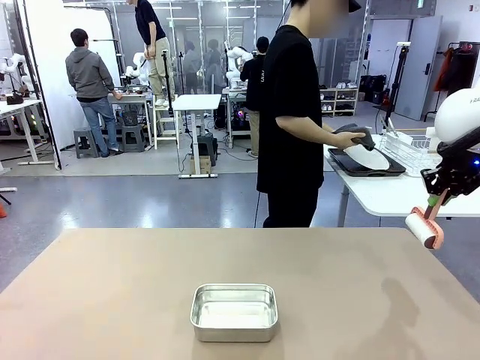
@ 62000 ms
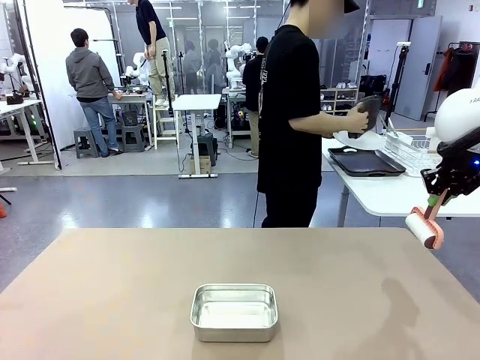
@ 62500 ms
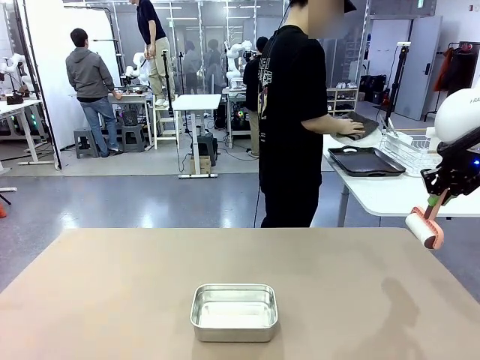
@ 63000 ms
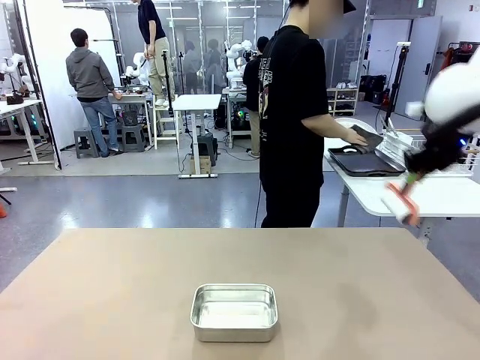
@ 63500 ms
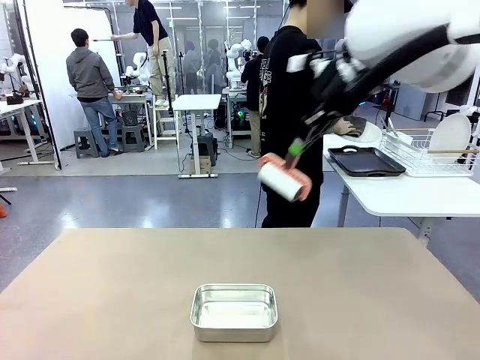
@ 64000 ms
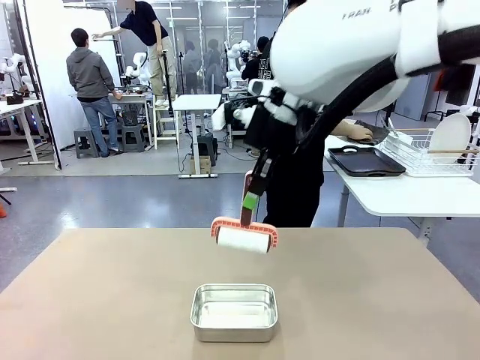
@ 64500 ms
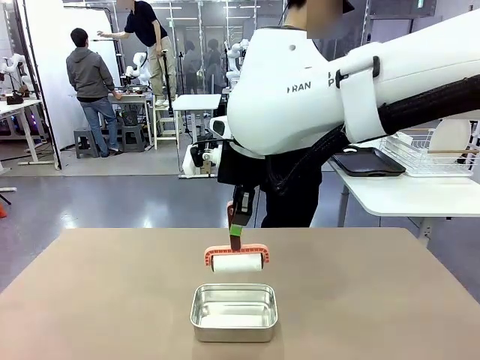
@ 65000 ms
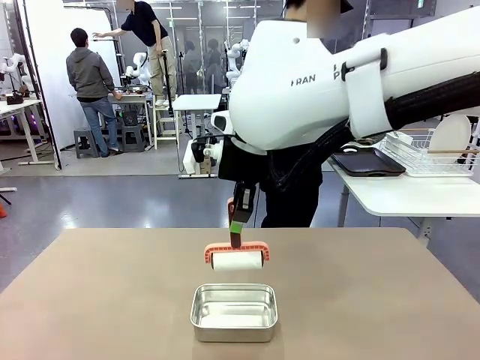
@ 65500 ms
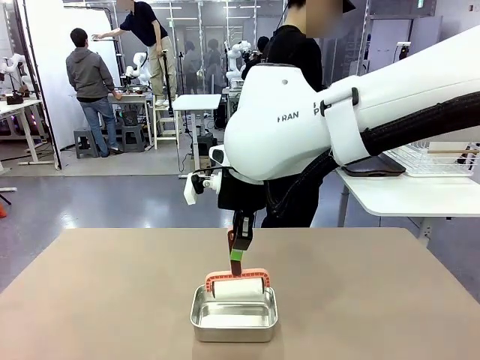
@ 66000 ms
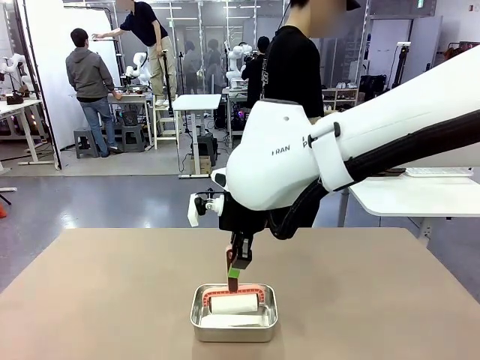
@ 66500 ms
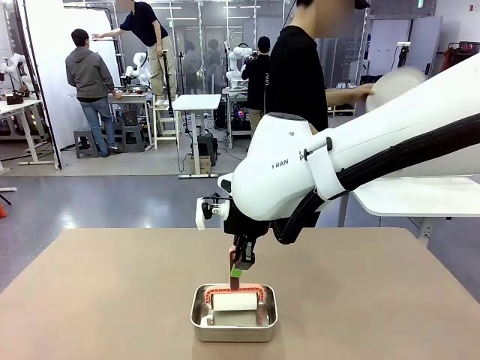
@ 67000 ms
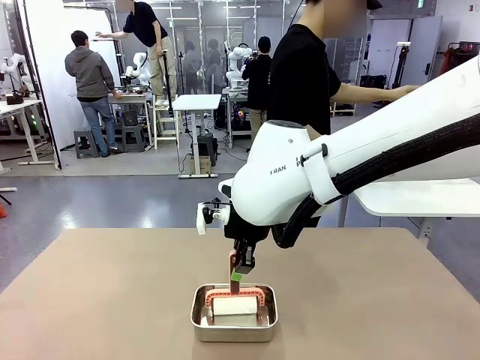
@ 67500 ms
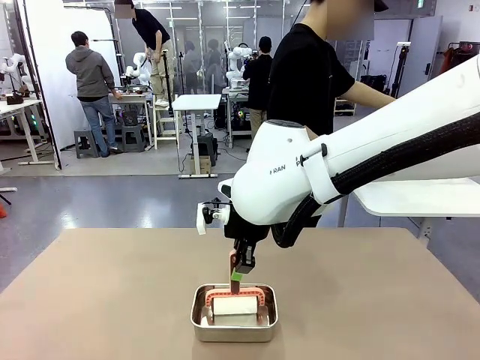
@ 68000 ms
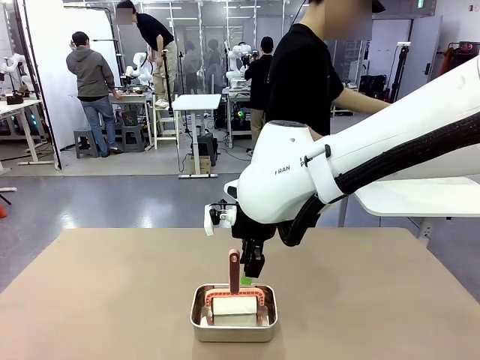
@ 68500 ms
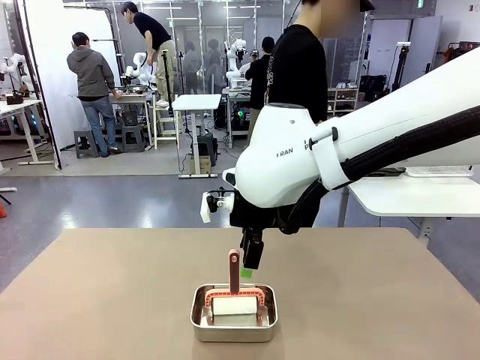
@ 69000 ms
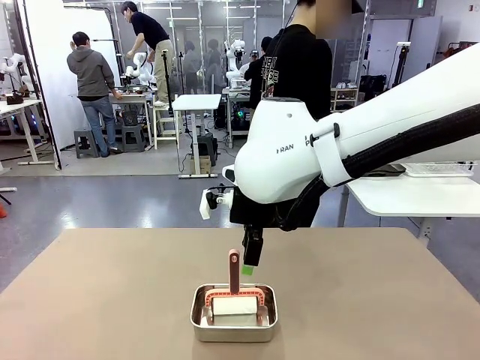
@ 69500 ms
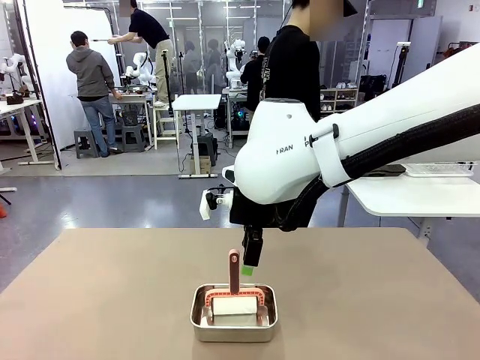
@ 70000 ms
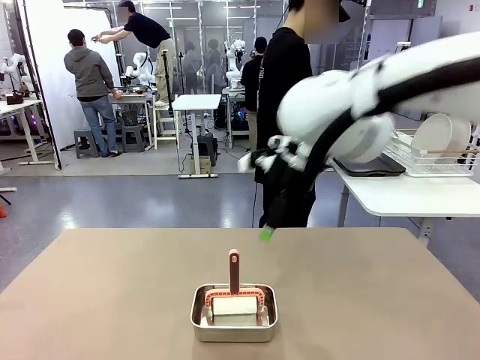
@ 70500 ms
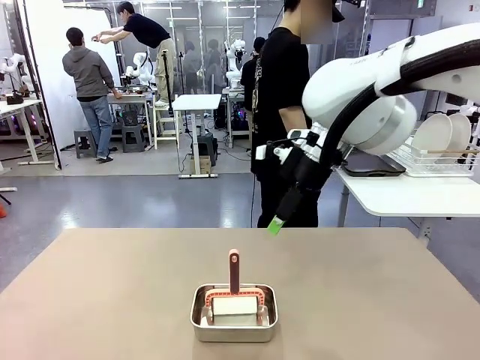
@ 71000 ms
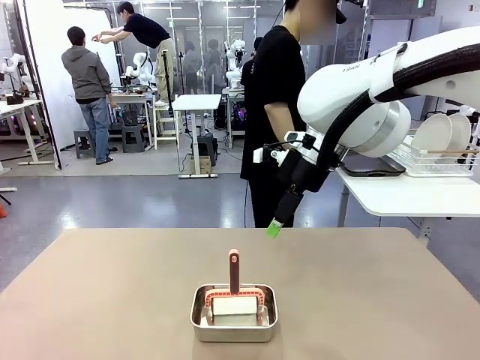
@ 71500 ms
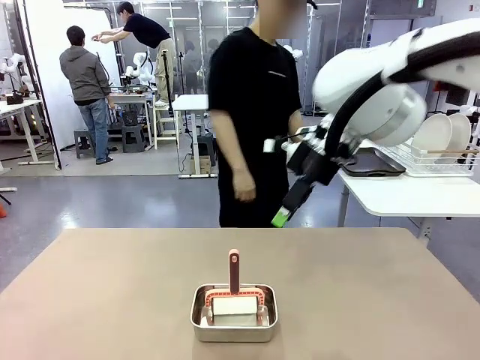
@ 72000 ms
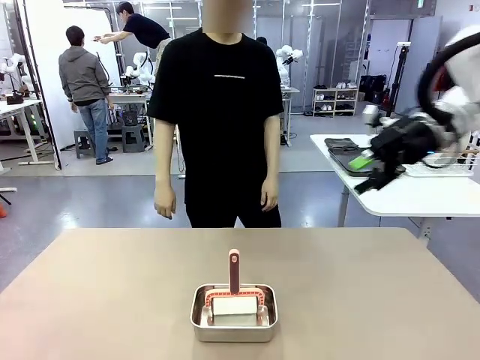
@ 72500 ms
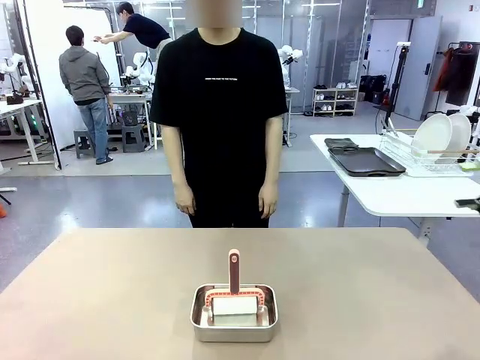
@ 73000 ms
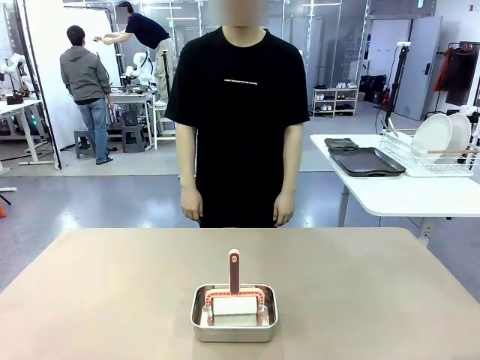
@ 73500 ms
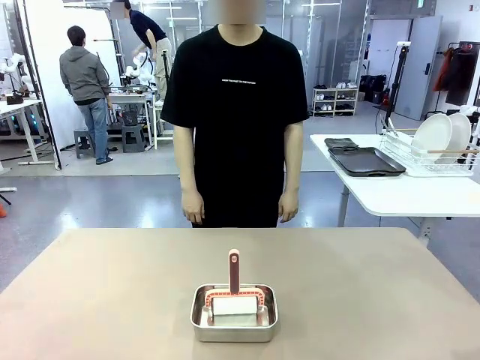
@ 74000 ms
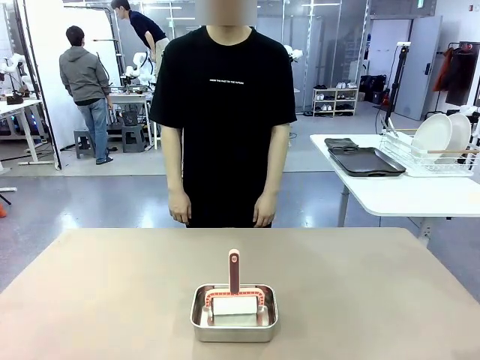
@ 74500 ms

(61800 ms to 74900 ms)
Robot: Place the Lint Roller back on top of the Airtight Container.

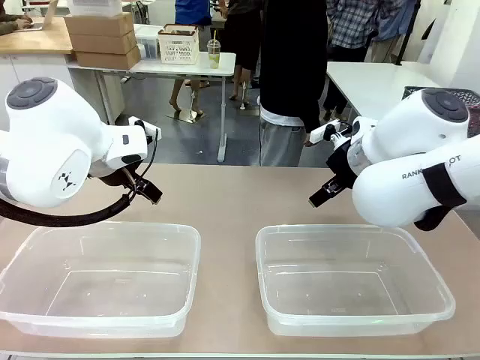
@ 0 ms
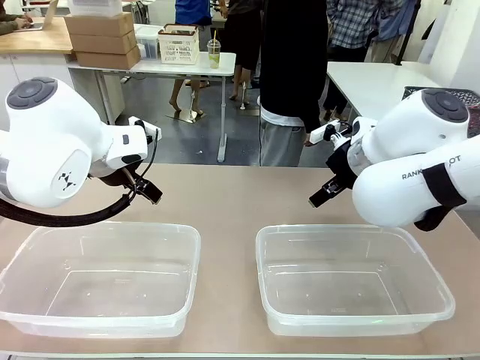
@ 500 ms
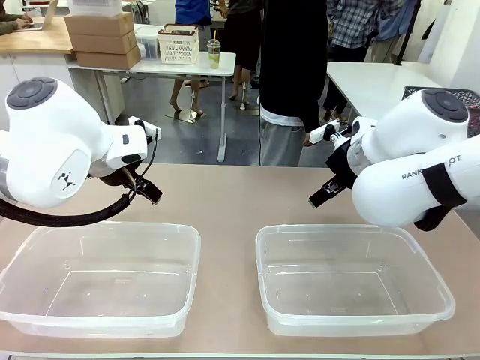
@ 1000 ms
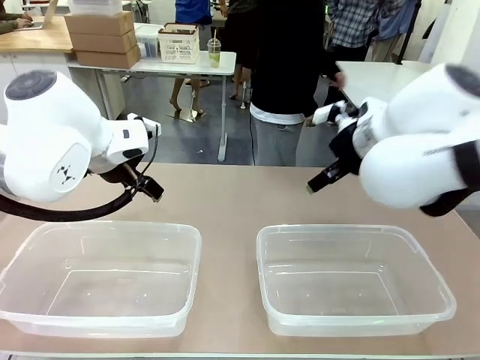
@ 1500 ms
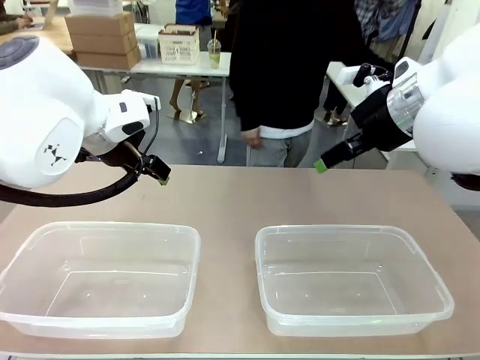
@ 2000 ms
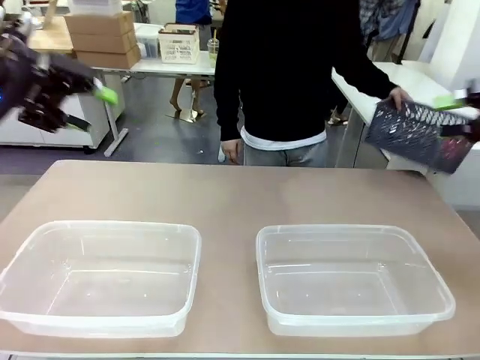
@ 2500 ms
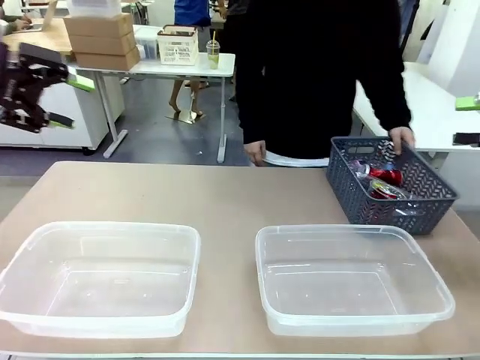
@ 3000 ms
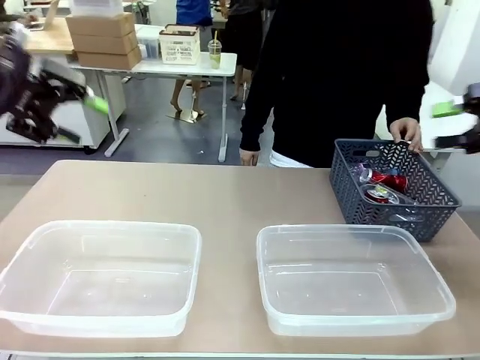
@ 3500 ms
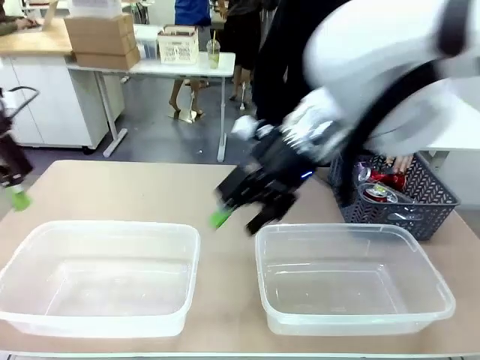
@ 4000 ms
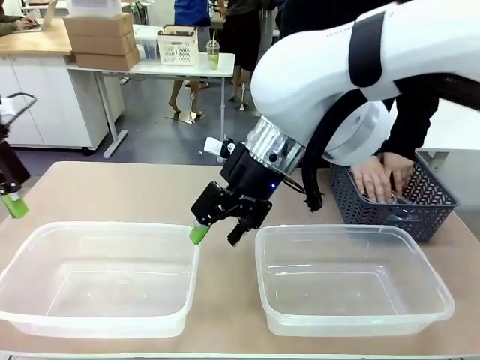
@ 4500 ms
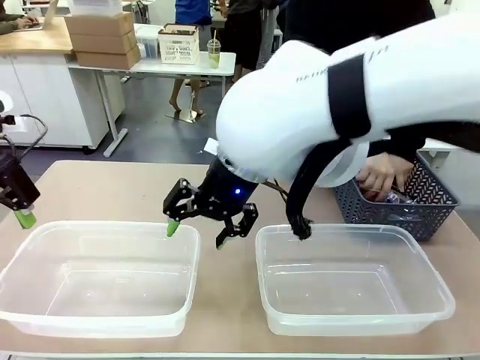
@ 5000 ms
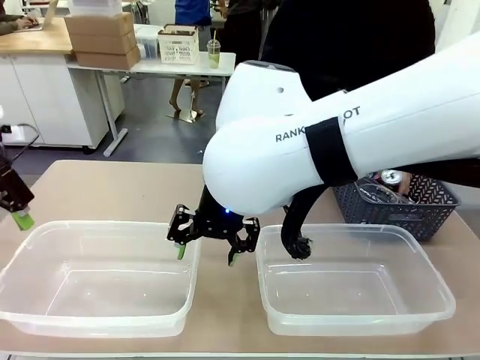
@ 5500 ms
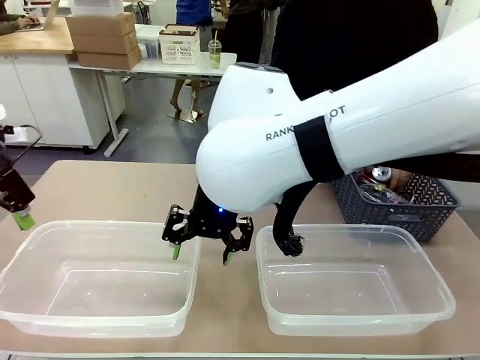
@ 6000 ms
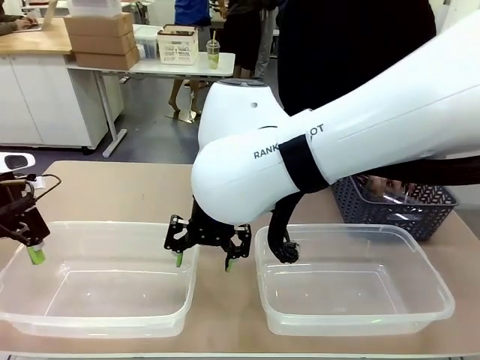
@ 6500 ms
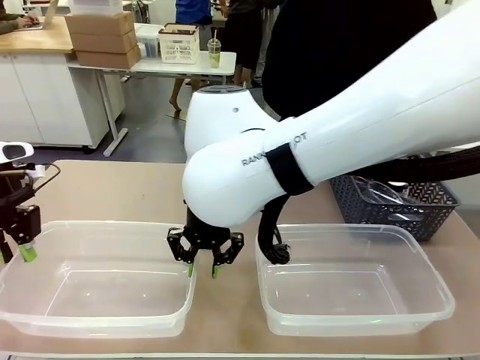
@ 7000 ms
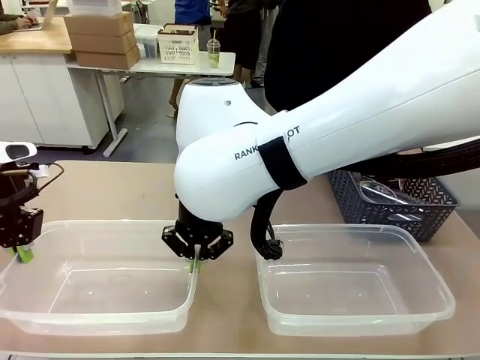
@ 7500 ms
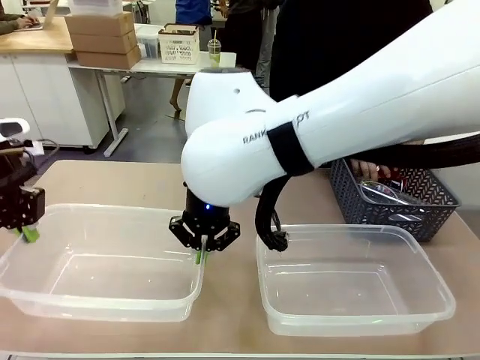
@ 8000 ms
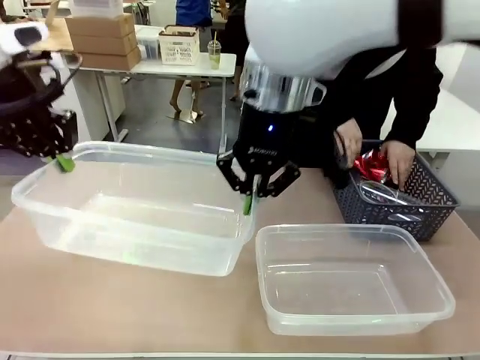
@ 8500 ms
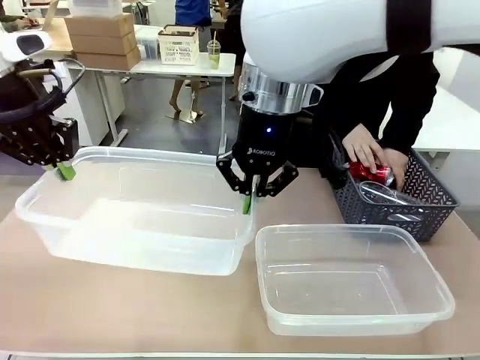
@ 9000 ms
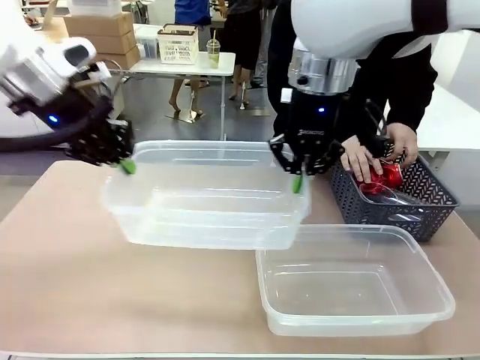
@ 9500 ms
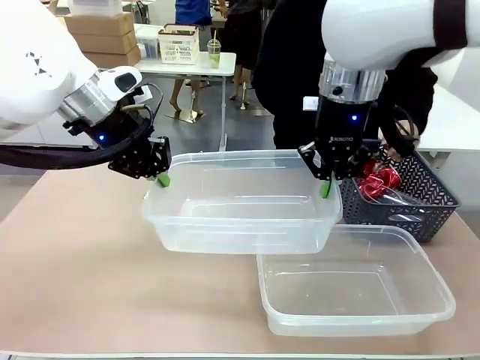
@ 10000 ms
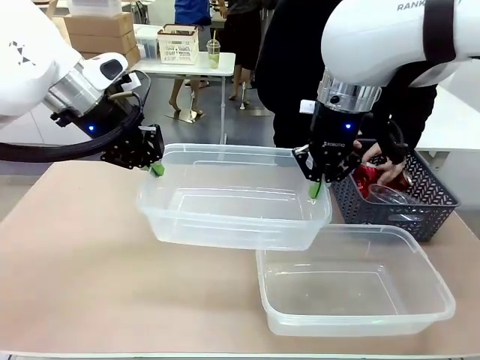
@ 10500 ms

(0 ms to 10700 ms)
Robot: Pick up the Organizing box on the left side of the table and lift it.
Person: Pick up the storage basket and place it on the left side of the robot table. Pick up can-shaped waste one by one and place it into the organizing box lifted by the robot.

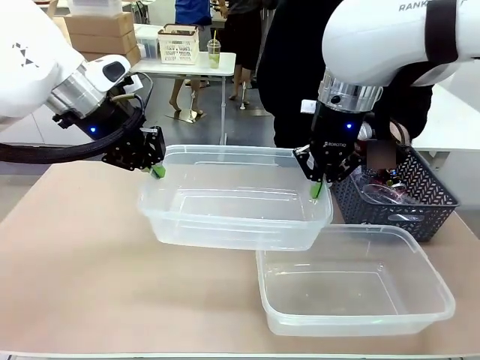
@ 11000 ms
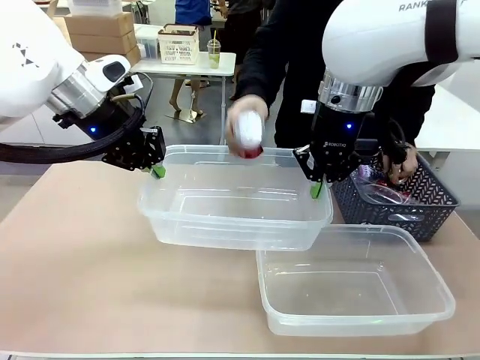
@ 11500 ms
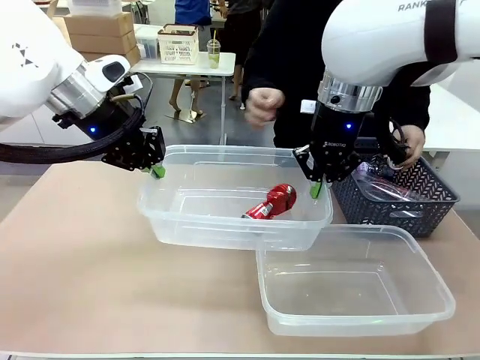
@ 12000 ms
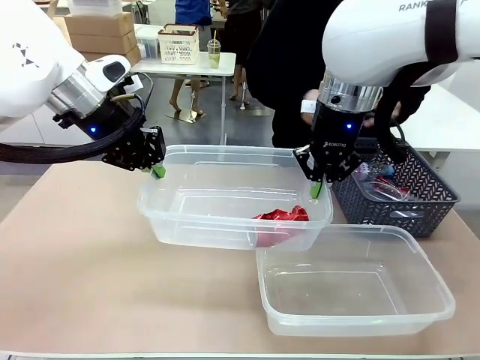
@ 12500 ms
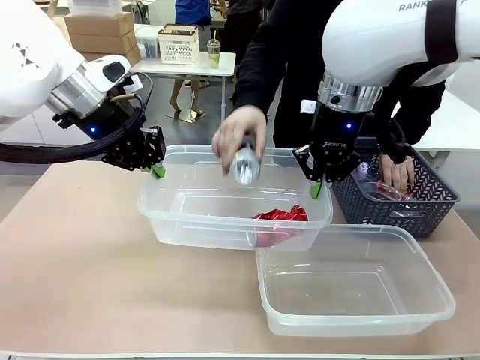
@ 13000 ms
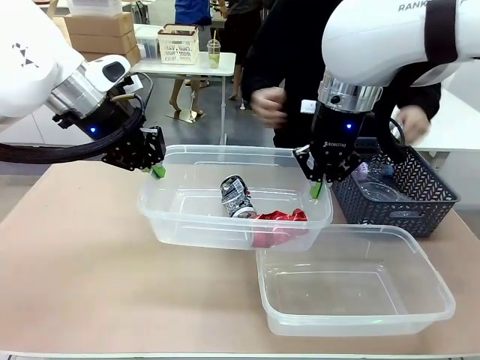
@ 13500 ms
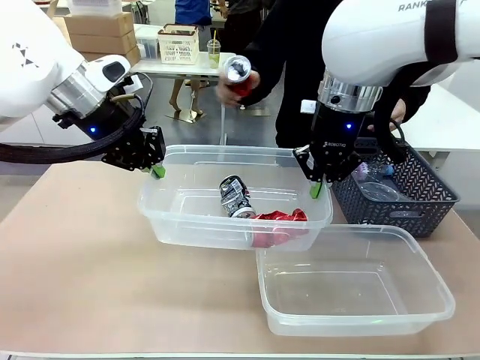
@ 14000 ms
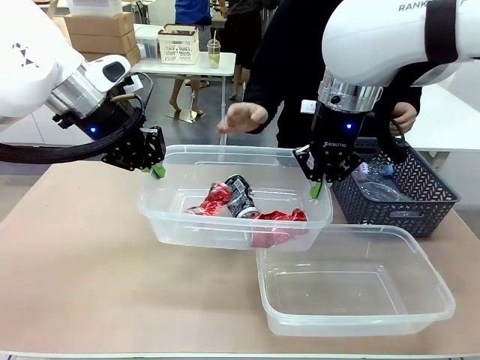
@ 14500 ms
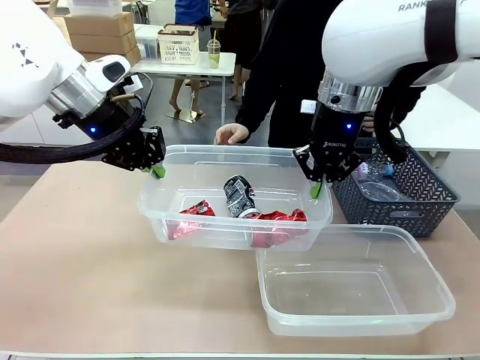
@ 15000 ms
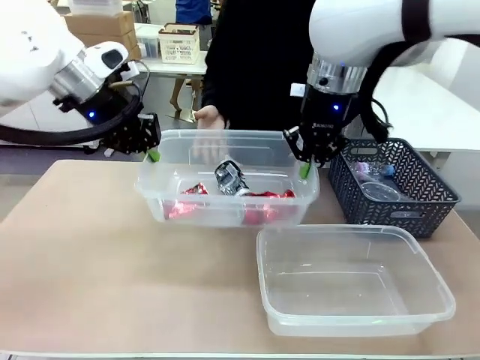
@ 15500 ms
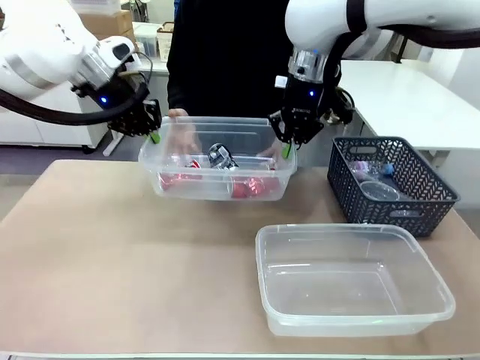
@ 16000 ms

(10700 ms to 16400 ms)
Robot: Offer the picked Organizing box to the human.
